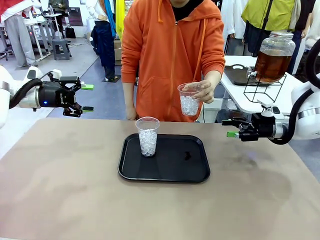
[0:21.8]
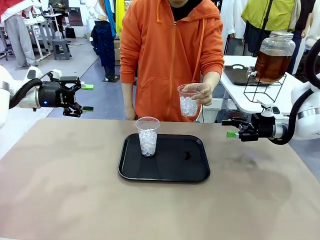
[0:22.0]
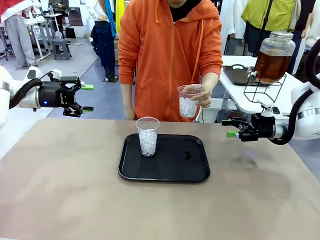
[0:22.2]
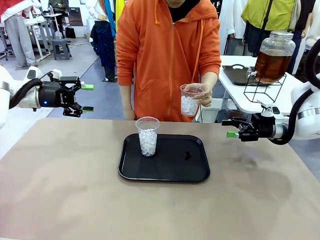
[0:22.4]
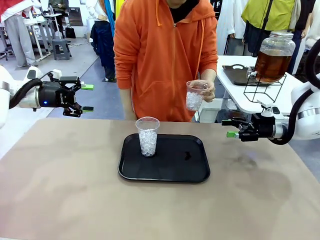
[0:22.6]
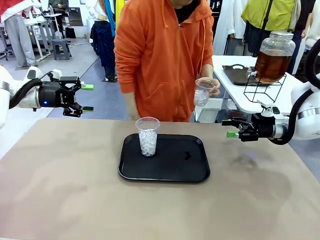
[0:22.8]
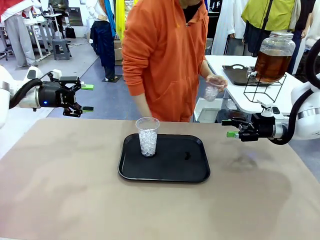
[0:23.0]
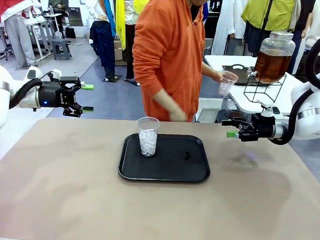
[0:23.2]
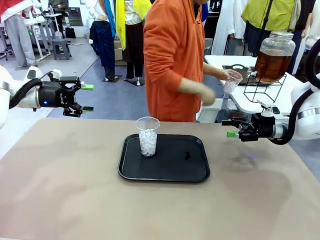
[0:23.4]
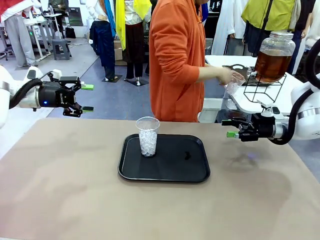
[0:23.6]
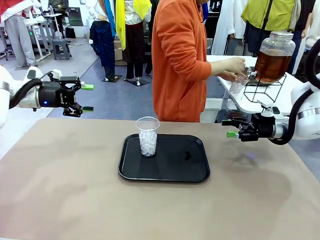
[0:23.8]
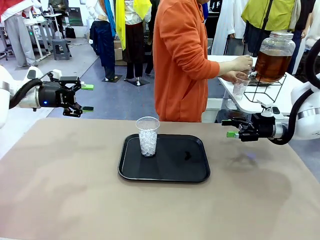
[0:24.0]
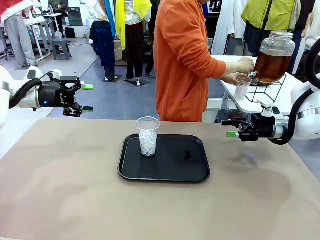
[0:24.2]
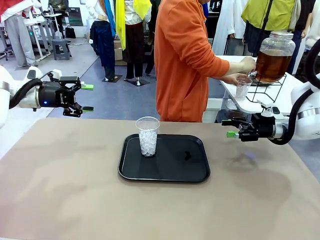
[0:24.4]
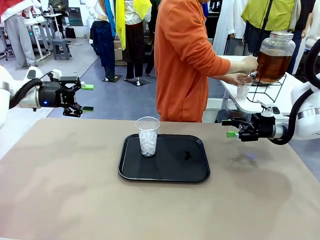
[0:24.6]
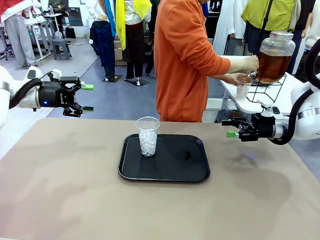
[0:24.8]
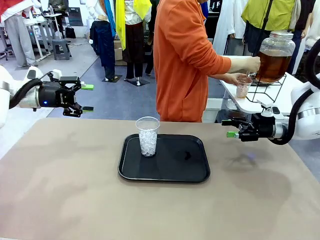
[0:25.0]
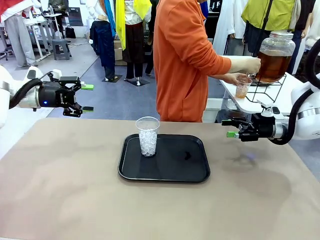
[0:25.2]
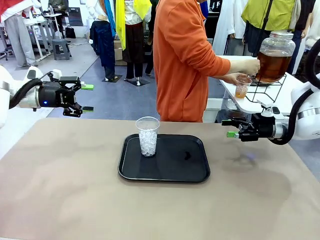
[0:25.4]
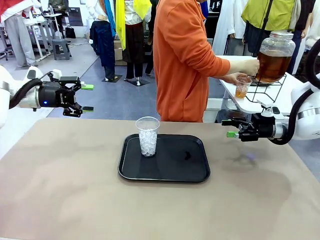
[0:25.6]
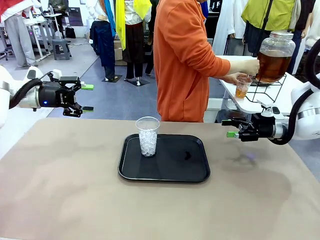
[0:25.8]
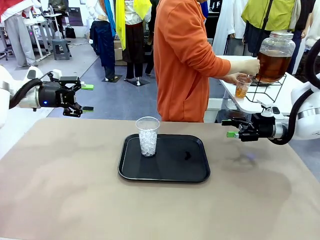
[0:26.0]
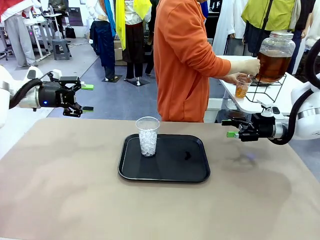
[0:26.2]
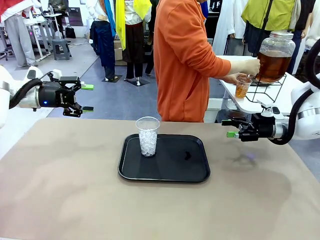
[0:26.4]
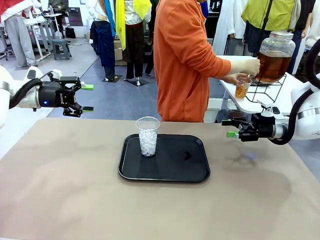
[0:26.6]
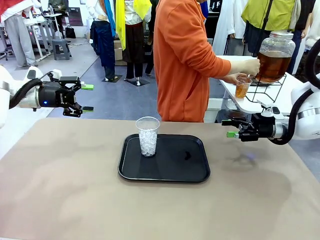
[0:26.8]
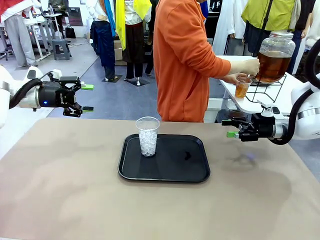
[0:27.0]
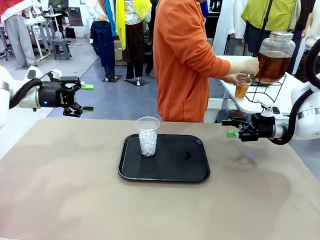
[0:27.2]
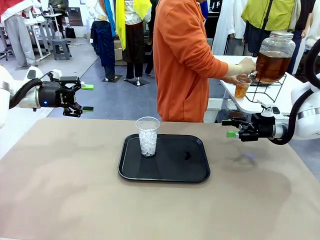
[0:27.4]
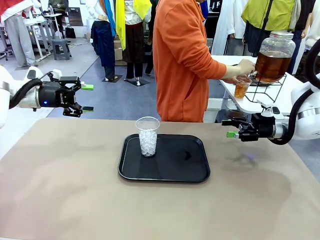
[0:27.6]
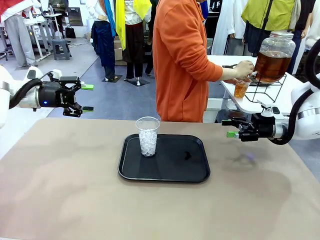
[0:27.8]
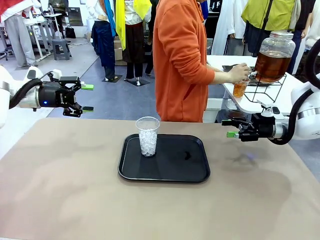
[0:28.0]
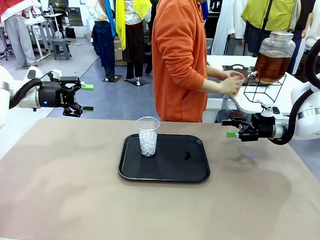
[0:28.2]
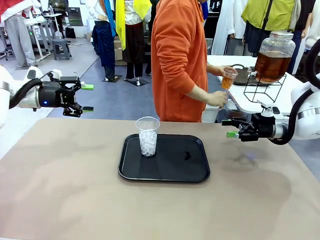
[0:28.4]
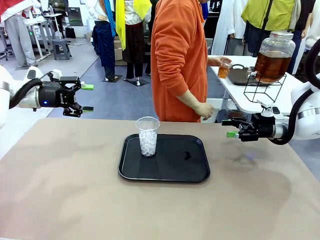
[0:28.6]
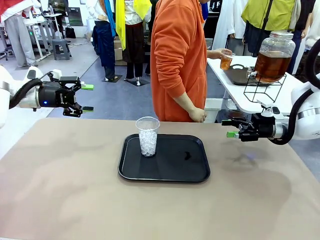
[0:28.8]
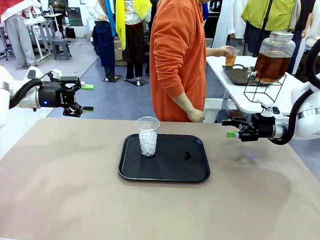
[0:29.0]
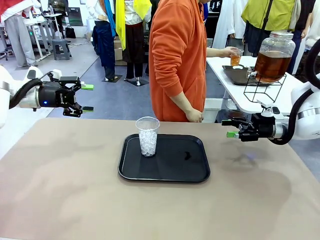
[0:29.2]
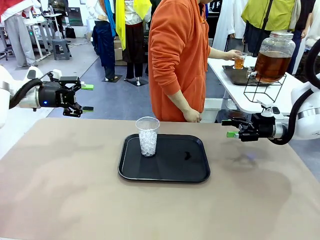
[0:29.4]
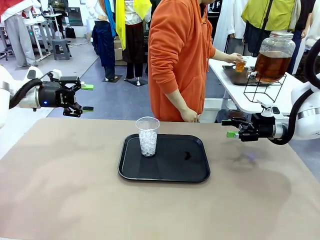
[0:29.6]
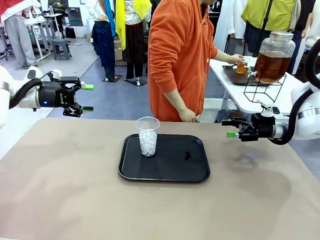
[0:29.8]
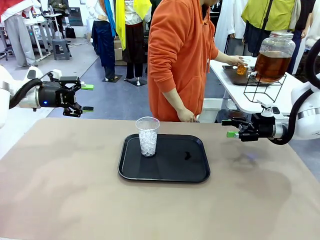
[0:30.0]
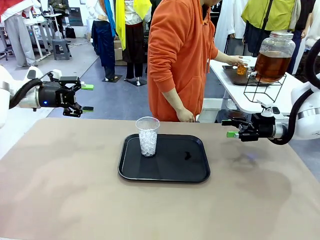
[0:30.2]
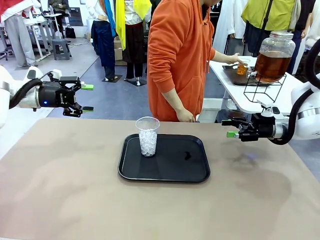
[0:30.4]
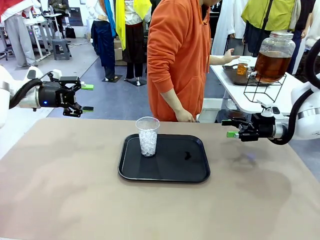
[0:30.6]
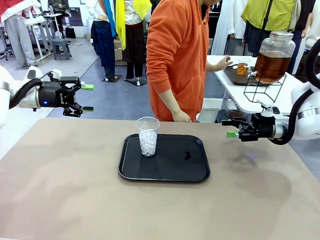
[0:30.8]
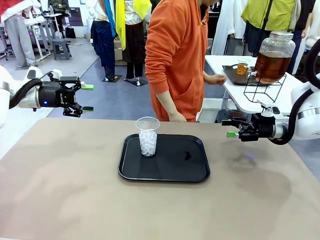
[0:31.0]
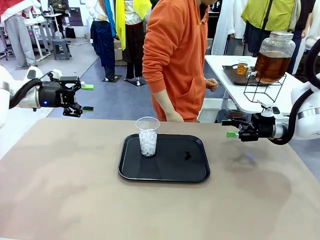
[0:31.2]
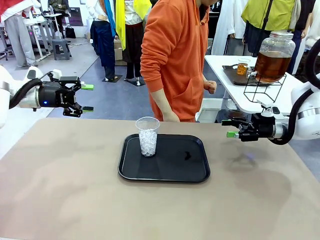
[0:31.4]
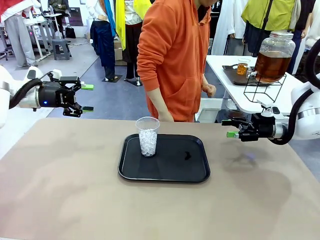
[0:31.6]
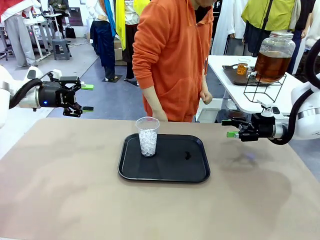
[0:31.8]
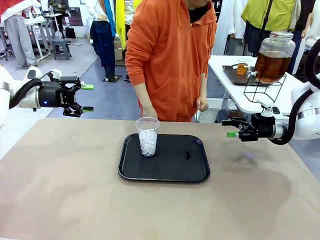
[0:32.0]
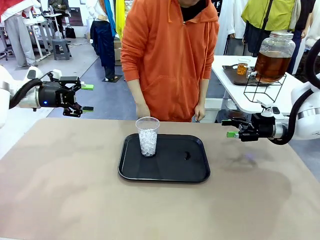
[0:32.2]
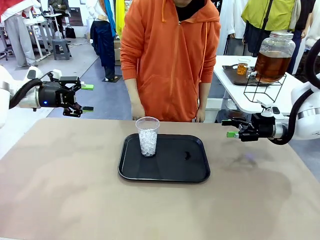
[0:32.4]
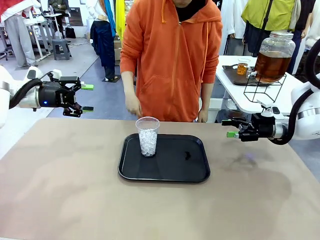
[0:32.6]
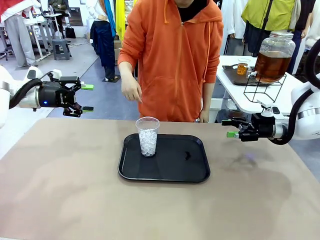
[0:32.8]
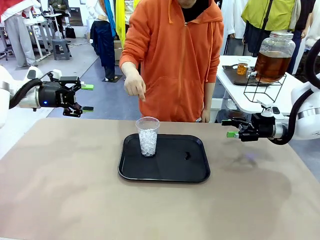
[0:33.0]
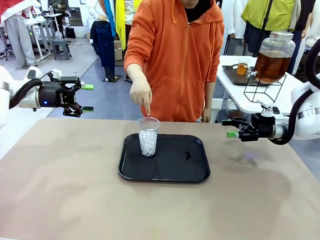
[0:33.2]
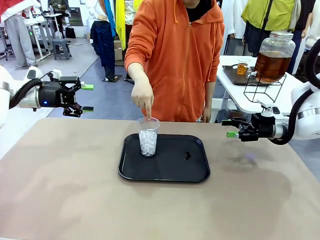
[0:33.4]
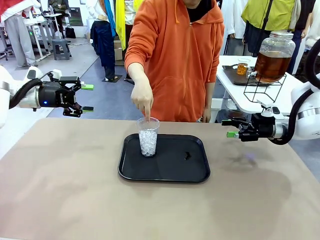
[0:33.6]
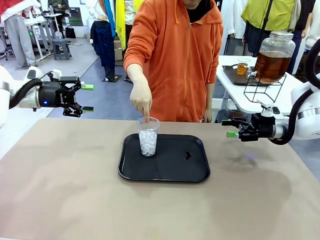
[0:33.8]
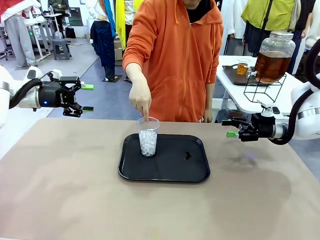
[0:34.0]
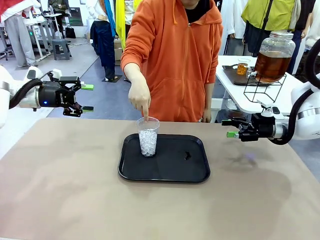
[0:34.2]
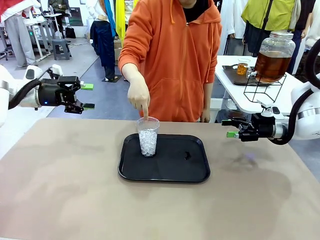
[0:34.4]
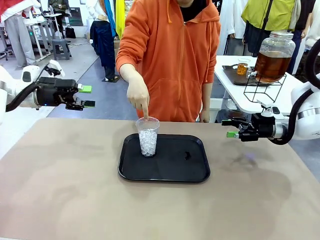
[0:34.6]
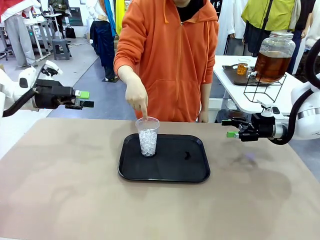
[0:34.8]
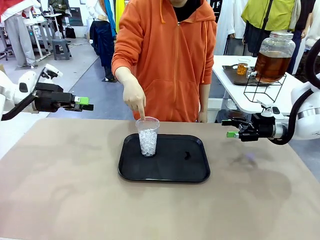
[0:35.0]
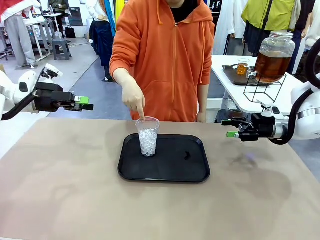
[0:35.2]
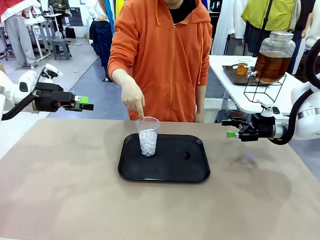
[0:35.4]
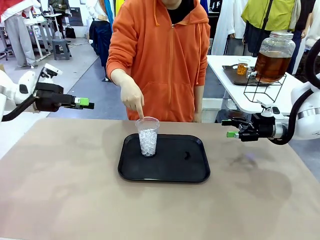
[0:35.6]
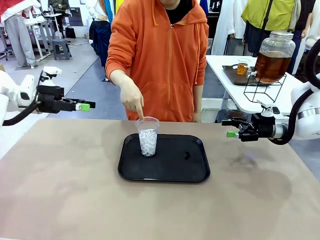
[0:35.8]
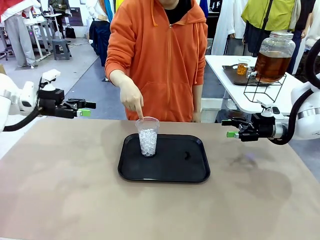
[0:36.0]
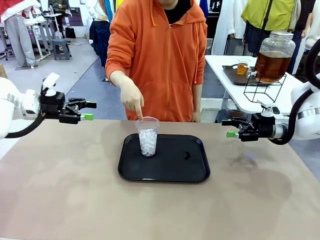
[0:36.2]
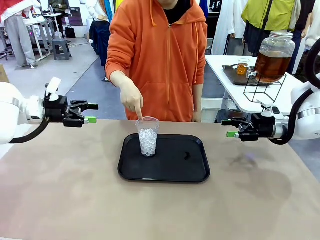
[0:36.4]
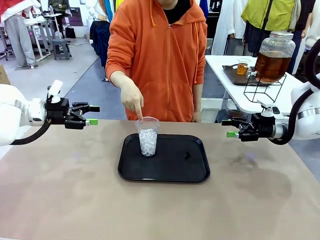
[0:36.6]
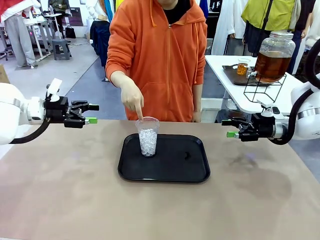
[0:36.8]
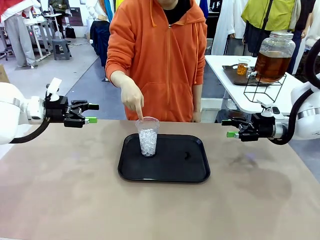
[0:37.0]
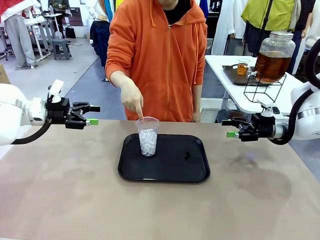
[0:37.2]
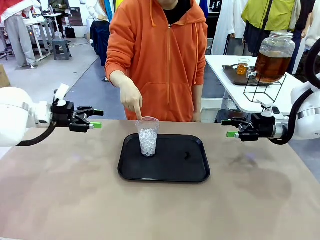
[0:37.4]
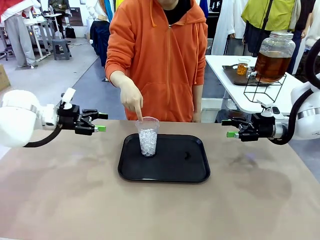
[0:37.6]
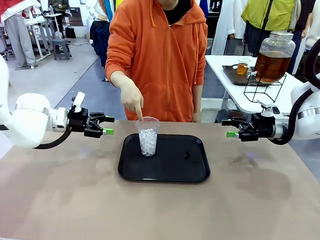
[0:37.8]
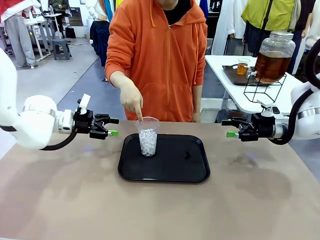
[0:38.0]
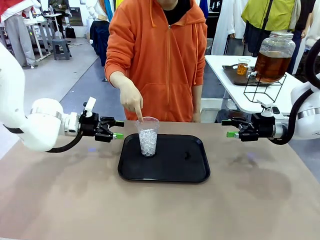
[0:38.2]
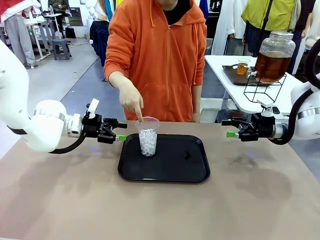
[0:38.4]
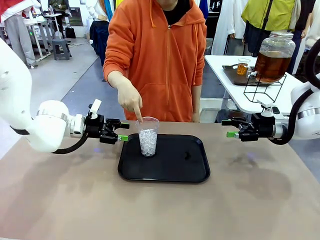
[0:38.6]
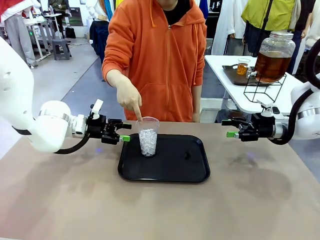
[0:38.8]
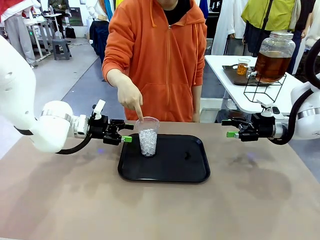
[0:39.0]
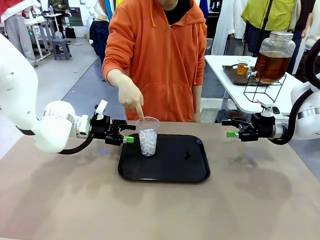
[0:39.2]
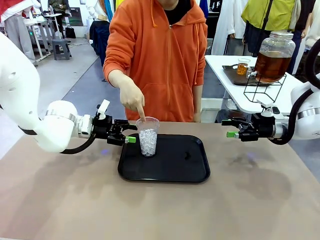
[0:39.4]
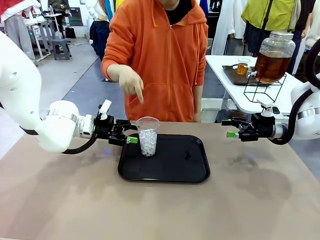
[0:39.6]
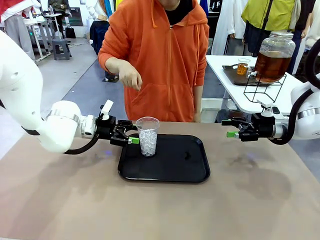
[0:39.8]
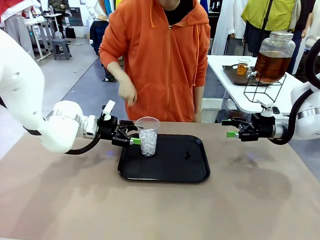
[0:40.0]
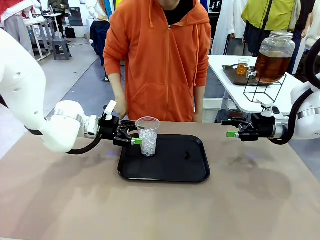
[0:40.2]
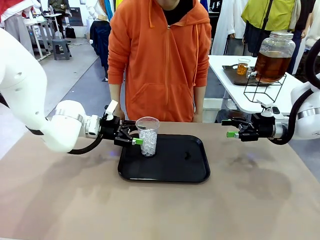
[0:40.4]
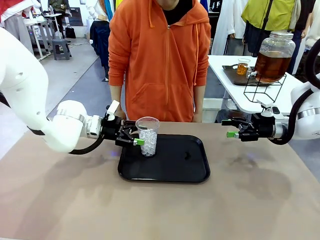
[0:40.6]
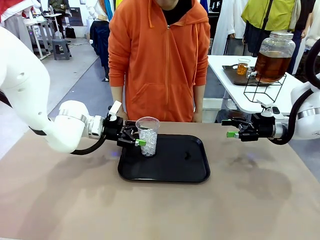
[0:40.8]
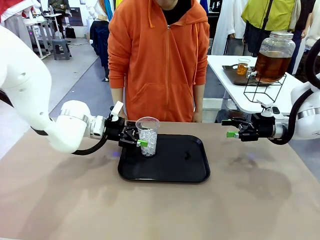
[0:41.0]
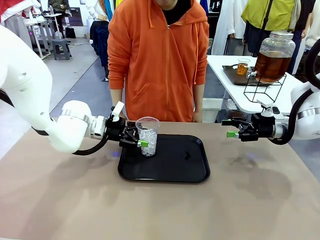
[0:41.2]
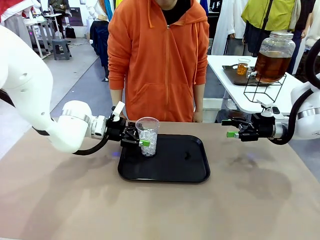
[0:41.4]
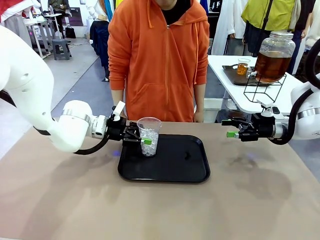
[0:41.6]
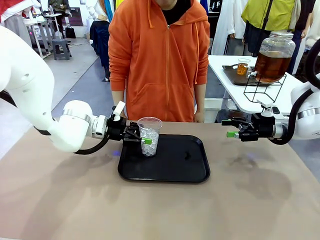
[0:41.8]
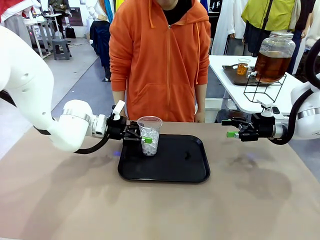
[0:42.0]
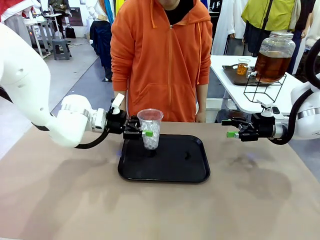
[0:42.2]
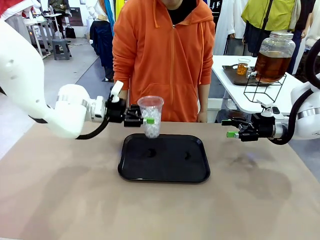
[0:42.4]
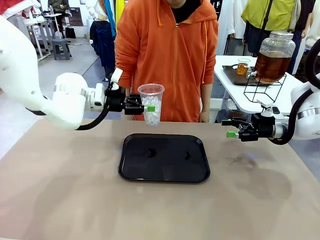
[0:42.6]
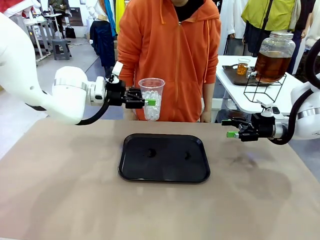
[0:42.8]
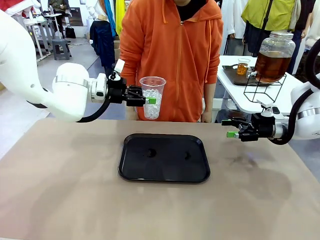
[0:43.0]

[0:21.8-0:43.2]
Task: Pour the drink into the iced cup.
Robot: Pick up the iced cup indicated by the human and present it to them.
Person: Move the picked-up cup under the dispenser faucet, pour the drink, and place it on the tray on the human table. Point to the remaining ice cup on the robot table. Pick up the cup offered by the robot.
